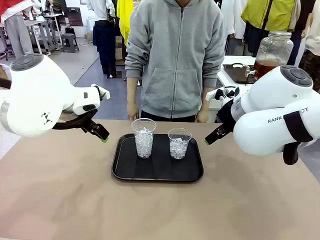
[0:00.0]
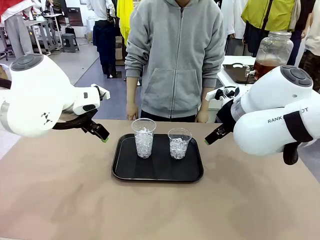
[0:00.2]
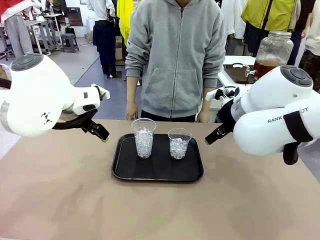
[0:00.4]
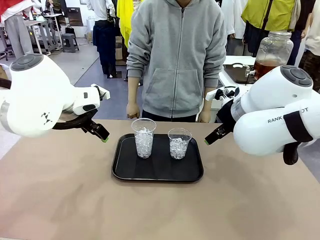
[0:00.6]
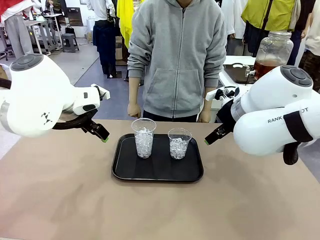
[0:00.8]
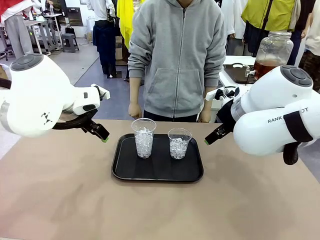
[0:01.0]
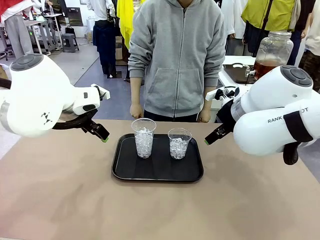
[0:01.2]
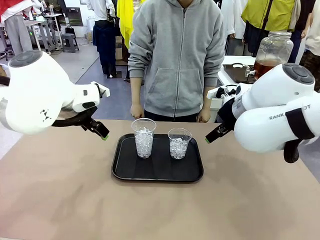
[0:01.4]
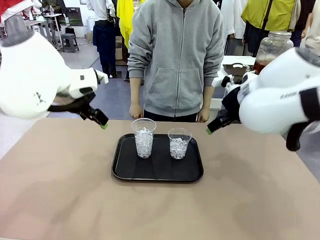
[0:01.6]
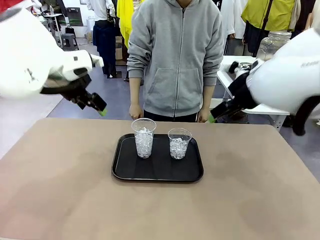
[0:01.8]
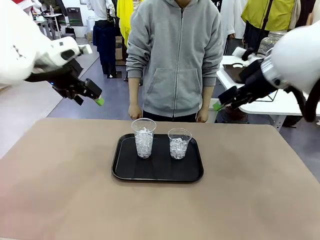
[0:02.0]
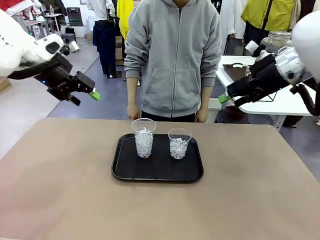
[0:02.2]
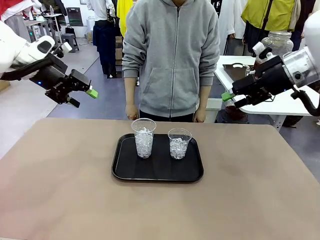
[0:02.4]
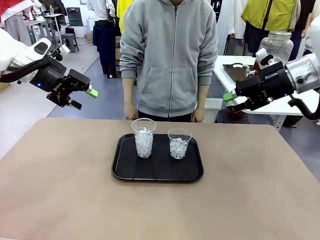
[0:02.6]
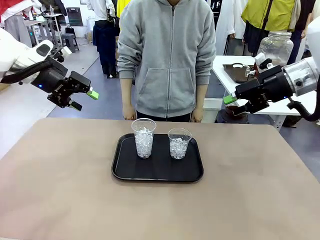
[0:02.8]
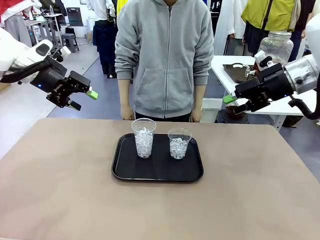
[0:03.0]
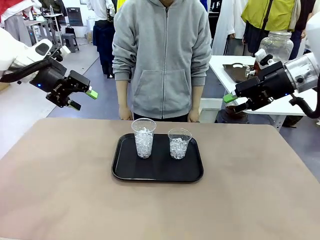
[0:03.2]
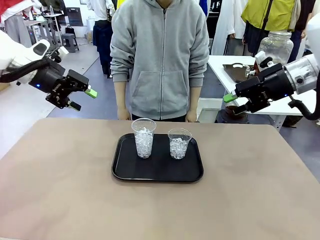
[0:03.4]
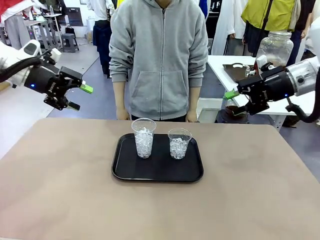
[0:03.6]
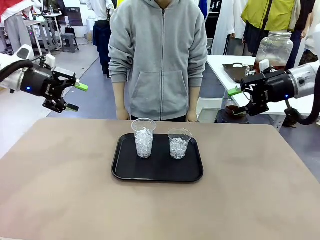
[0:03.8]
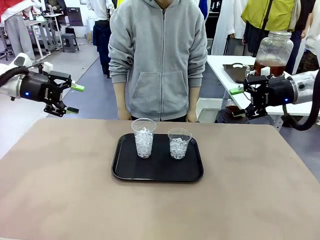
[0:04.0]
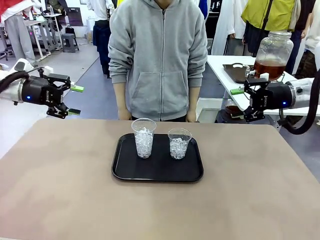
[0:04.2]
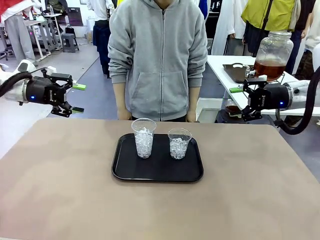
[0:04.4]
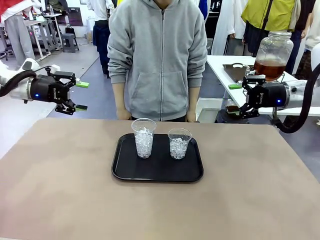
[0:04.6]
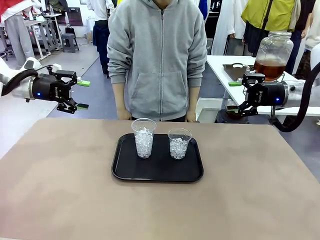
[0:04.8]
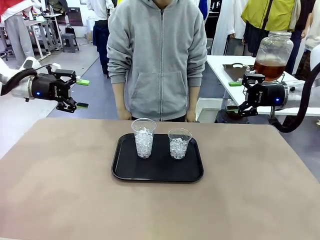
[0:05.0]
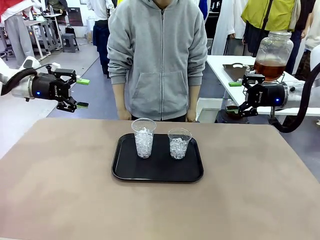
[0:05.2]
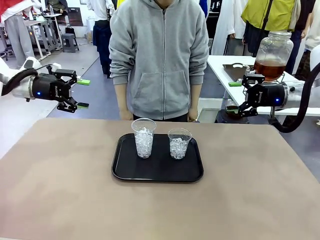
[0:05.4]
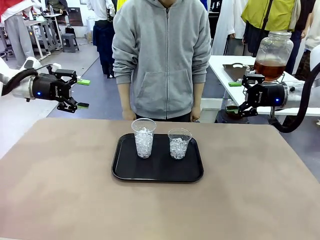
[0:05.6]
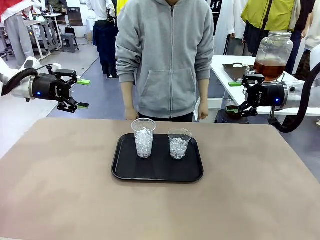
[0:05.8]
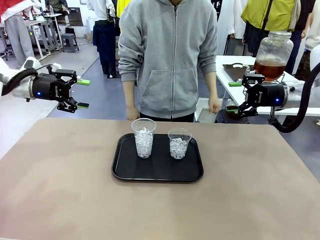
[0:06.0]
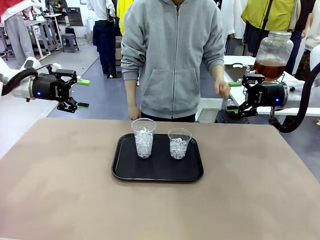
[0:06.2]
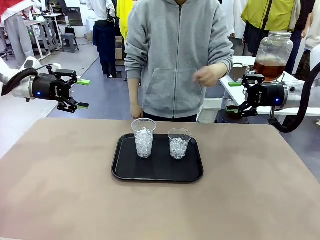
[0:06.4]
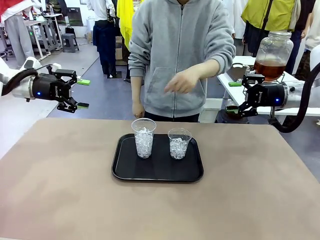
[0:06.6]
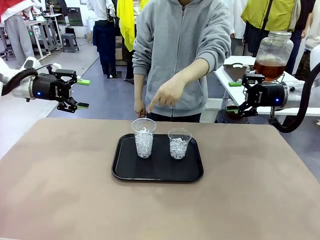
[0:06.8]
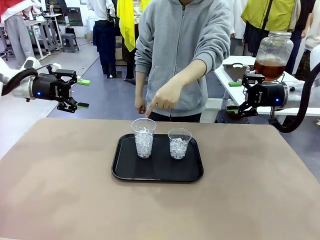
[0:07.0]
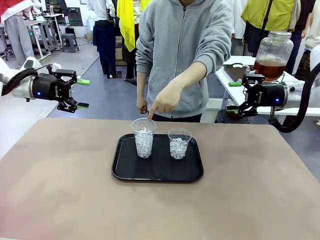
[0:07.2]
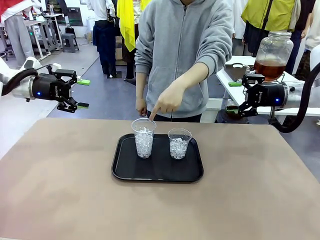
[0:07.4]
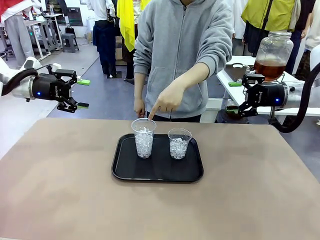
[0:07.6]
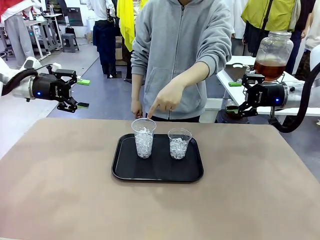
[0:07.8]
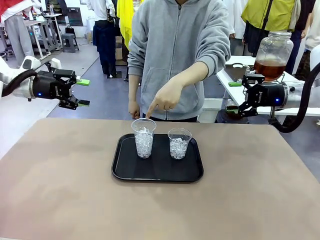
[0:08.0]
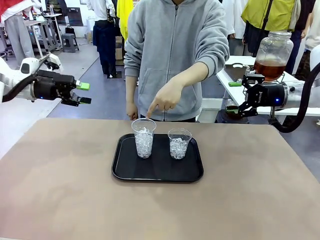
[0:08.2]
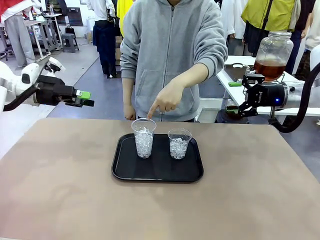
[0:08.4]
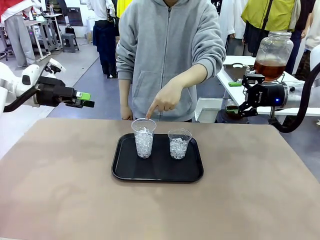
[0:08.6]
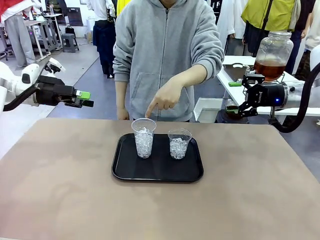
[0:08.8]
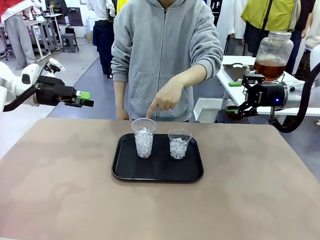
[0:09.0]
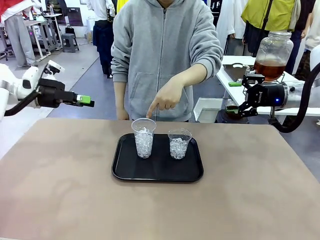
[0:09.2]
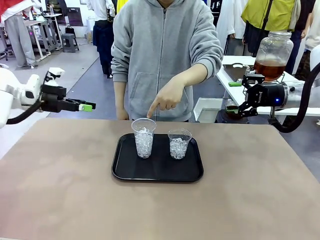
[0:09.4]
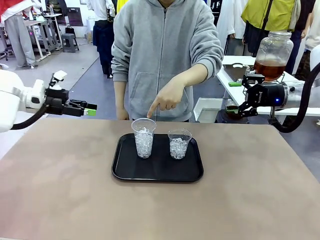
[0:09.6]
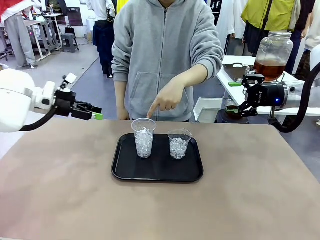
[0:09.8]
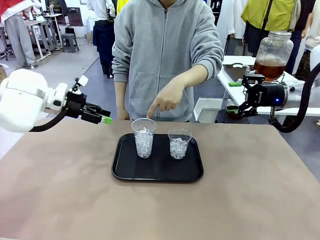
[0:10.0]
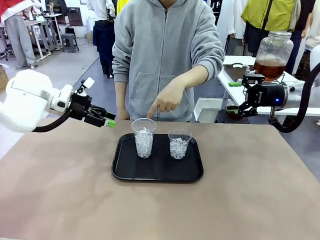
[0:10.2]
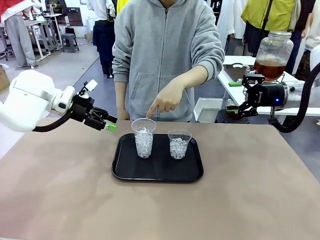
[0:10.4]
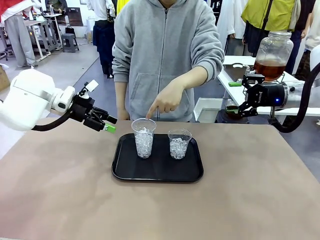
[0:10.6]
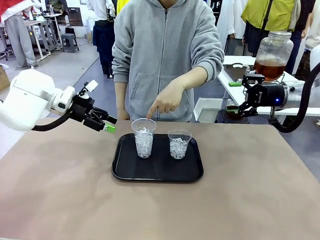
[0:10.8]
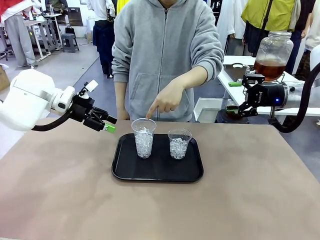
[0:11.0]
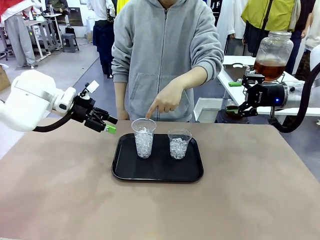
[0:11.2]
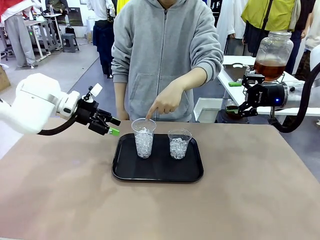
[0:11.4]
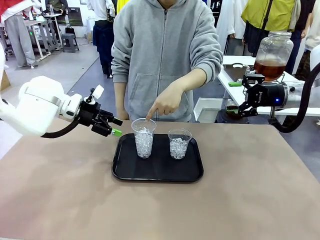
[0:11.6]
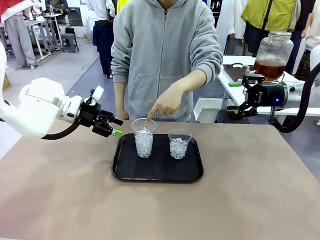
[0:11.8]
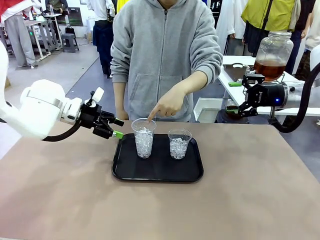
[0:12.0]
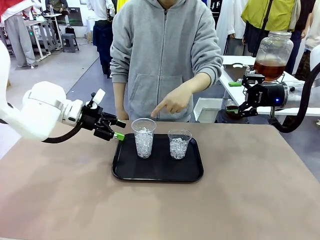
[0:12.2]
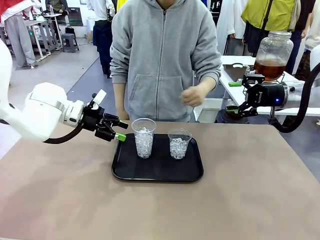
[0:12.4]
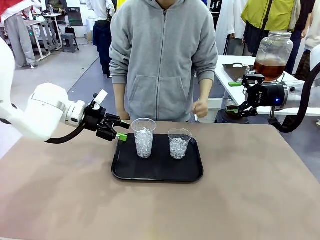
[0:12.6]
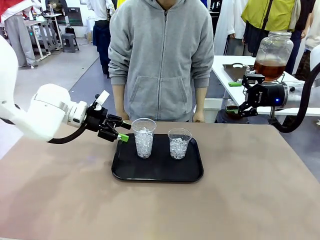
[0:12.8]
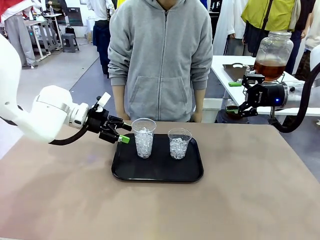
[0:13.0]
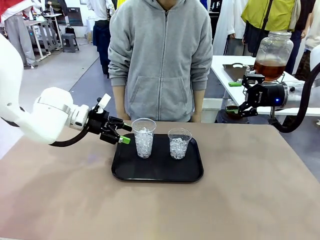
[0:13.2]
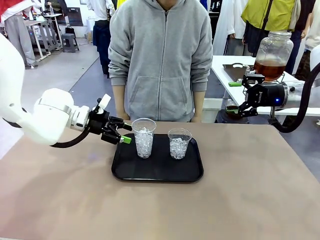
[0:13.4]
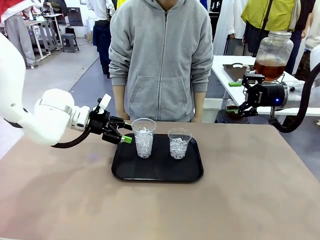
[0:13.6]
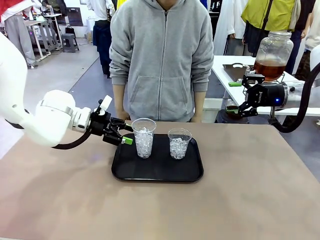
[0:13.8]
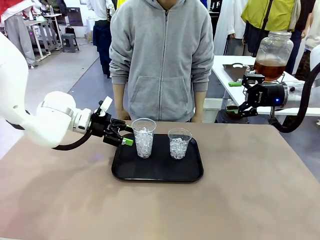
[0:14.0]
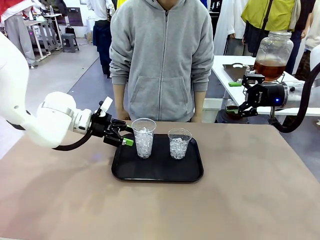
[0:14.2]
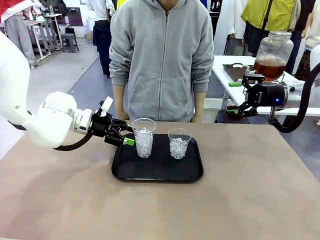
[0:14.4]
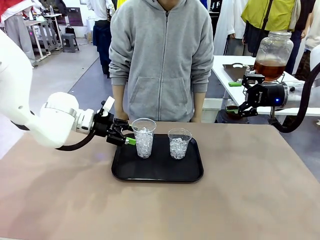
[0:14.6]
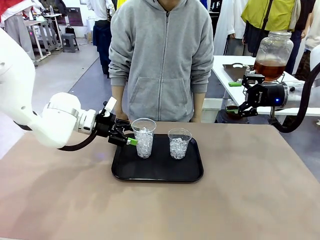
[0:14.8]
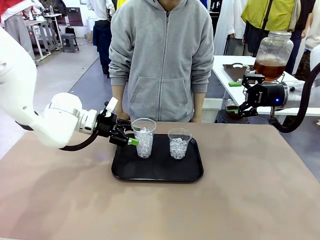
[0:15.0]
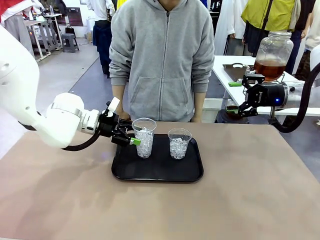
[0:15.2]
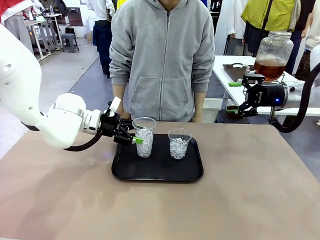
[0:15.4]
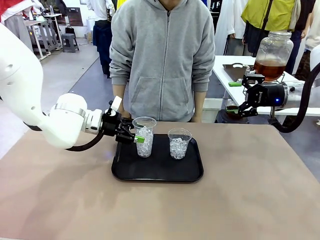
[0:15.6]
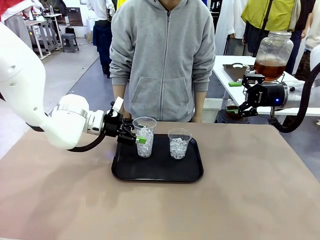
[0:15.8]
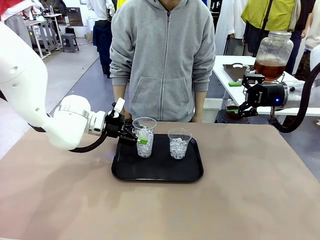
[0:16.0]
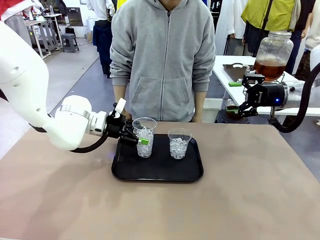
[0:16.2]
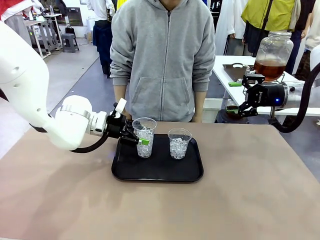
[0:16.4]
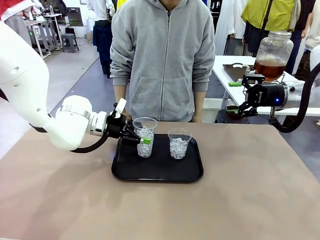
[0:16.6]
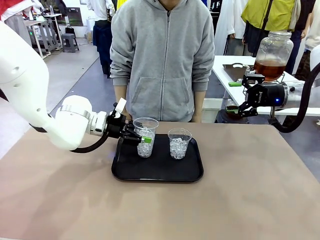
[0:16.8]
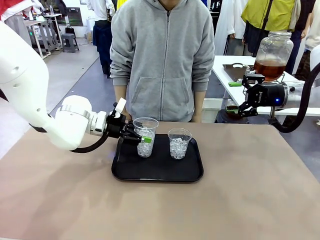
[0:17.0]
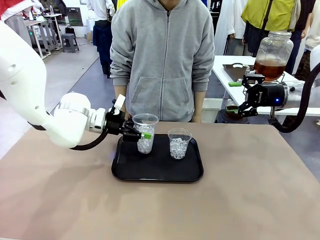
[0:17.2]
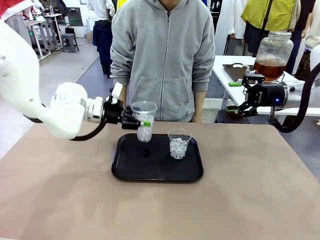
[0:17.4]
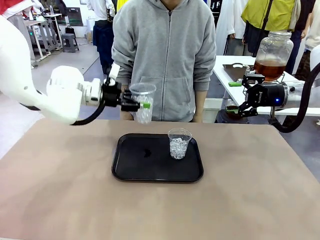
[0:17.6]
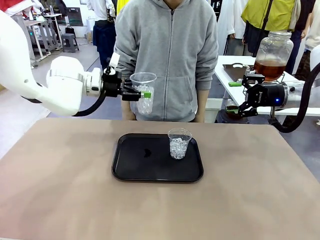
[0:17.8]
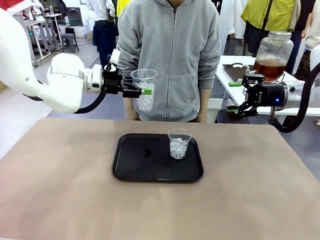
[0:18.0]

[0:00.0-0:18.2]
Task: Pour the drink into the iced cup.
Robot: Pick up the iced cup indicated by the human and present it to them.
Person: Point to one of the two ice cups. Pick up the cup offered by the robot.

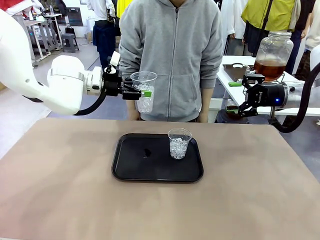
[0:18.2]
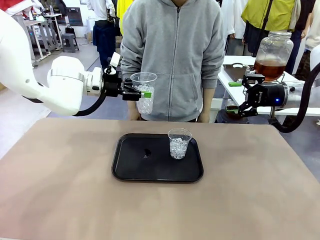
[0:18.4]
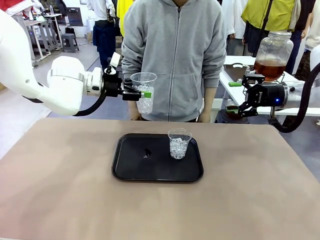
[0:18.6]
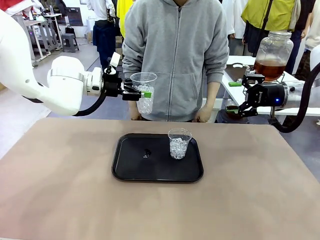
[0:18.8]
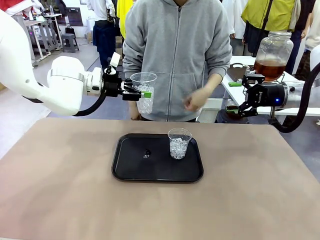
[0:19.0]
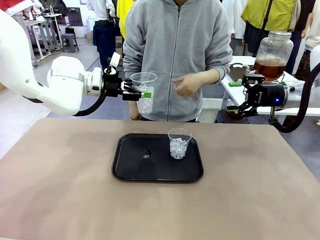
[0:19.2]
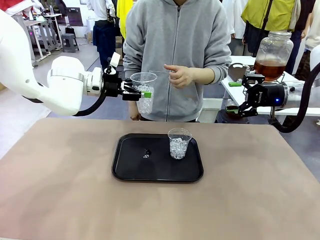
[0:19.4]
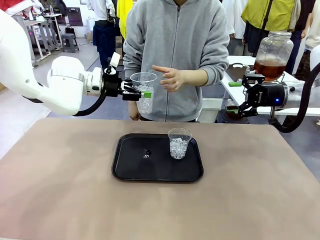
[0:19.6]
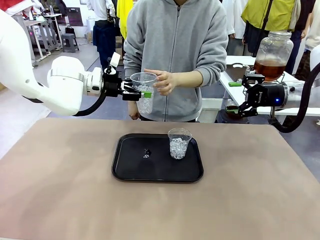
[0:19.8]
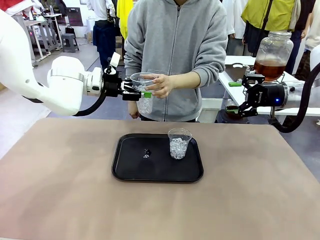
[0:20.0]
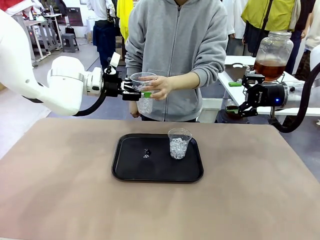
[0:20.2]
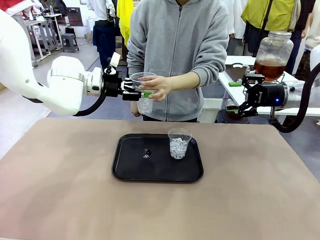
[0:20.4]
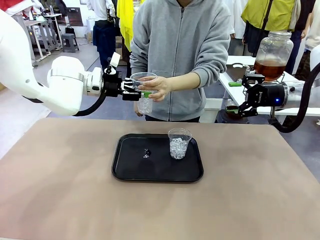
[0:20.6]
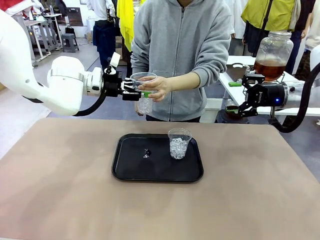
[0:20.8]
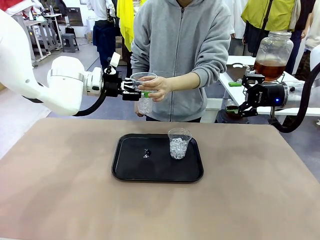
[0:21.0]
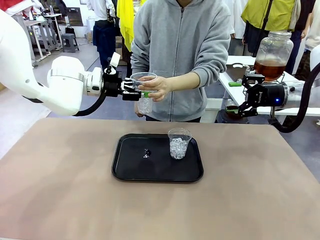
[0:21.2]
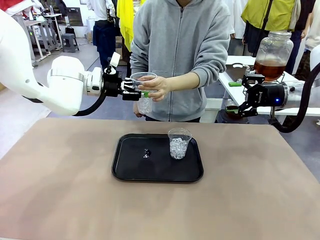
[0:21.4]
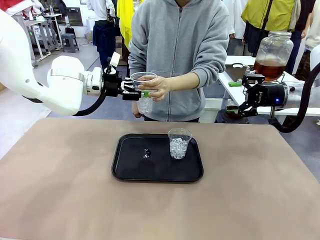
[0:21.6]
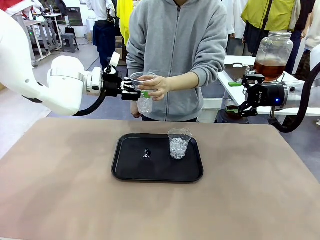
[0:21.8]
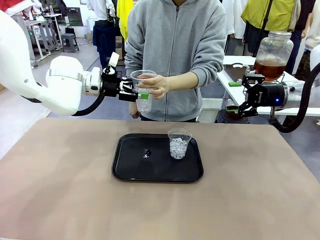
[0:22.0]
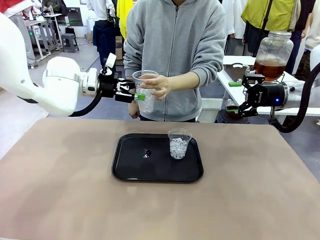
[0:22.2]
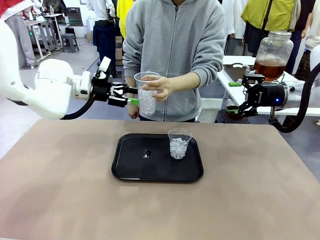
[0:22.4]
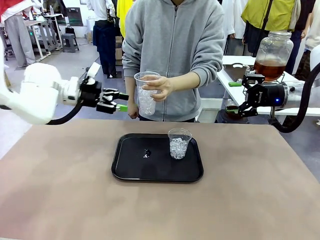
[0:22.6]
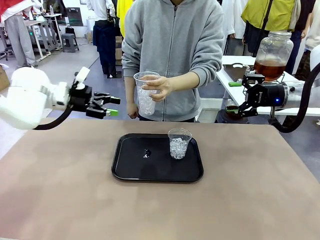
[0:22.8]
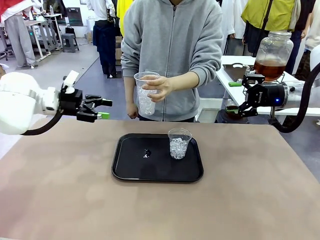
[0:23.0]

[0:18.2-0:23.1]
Robot: Open the gripper to release the iced cup you were holding.
